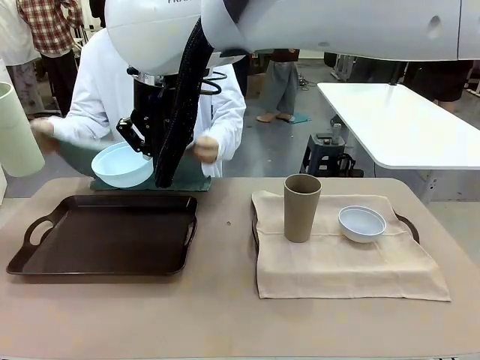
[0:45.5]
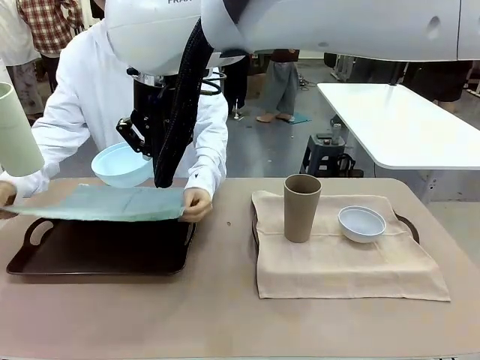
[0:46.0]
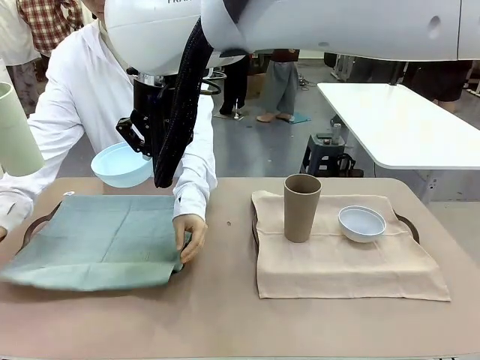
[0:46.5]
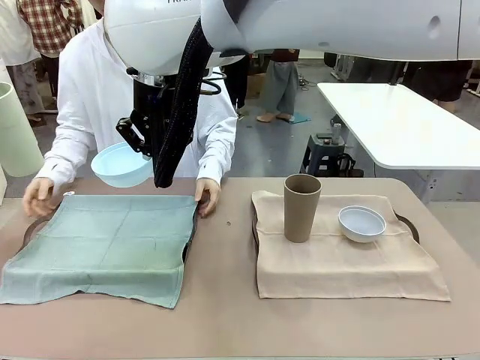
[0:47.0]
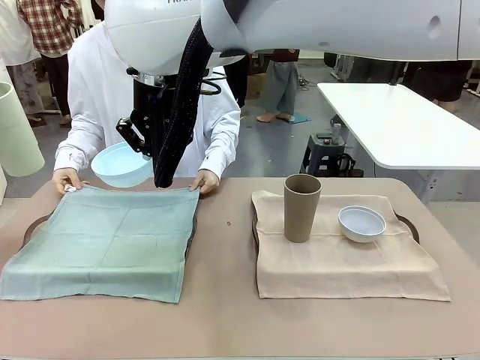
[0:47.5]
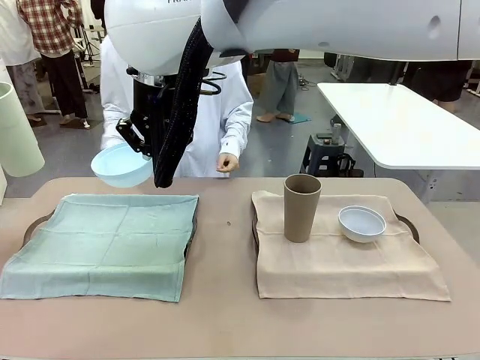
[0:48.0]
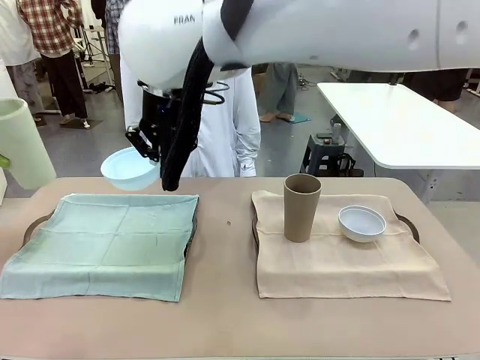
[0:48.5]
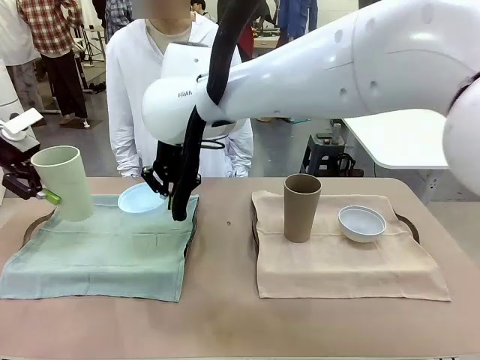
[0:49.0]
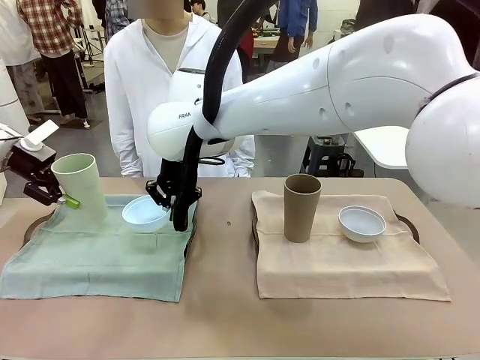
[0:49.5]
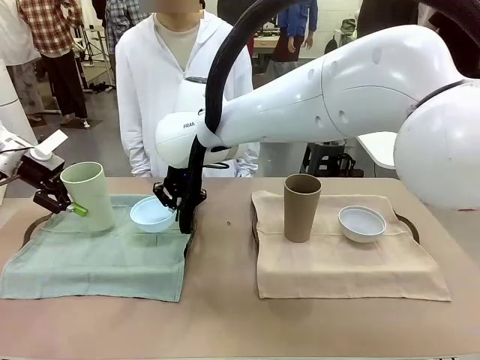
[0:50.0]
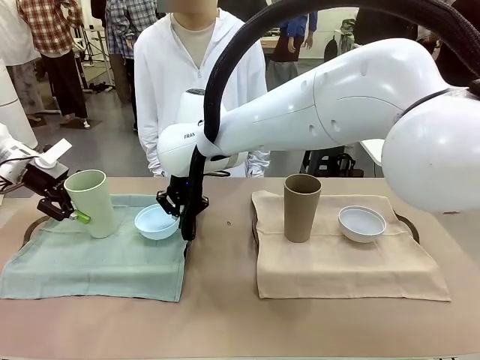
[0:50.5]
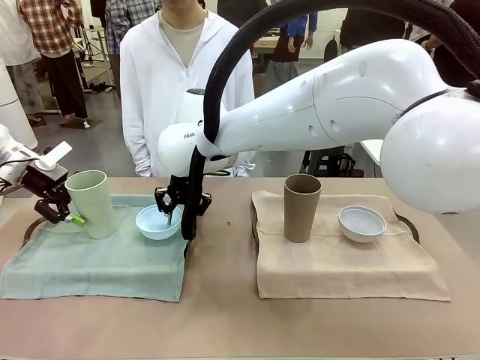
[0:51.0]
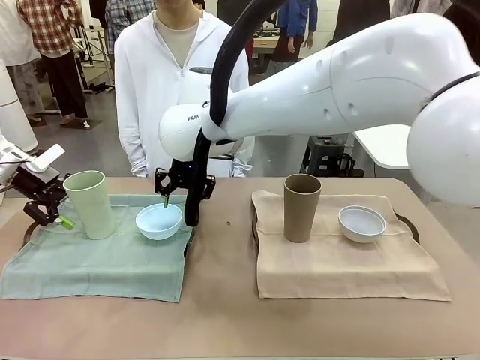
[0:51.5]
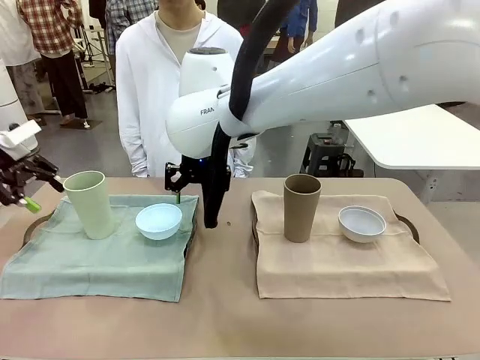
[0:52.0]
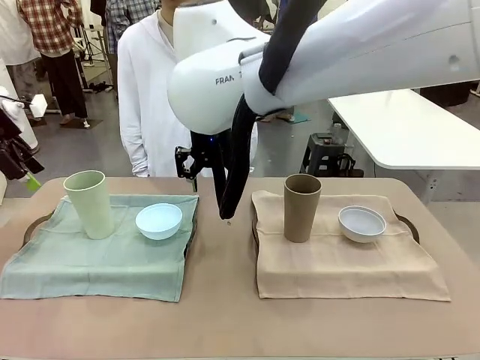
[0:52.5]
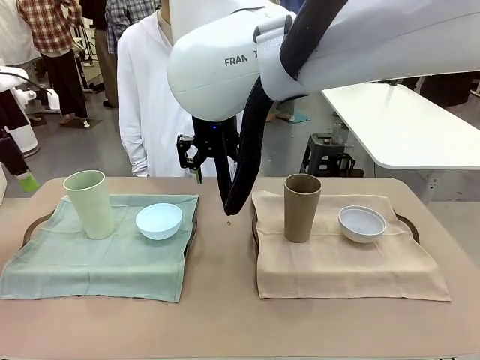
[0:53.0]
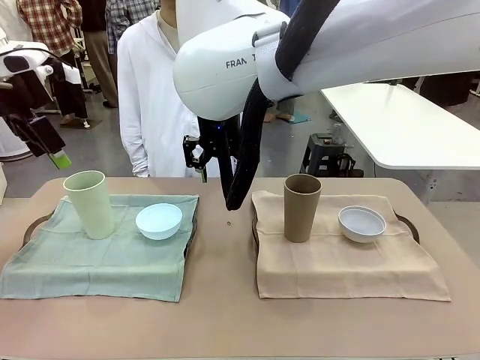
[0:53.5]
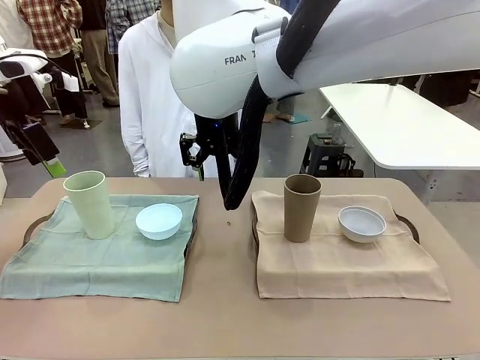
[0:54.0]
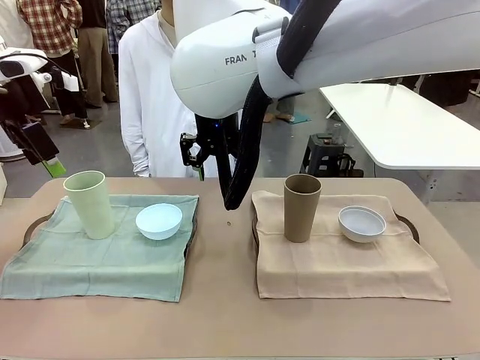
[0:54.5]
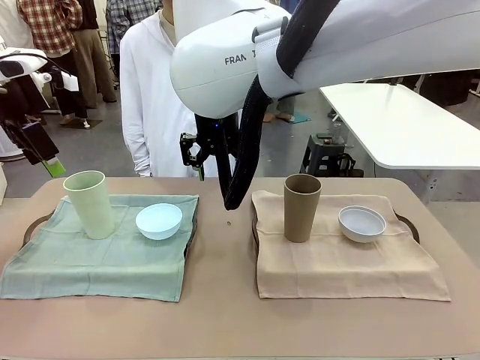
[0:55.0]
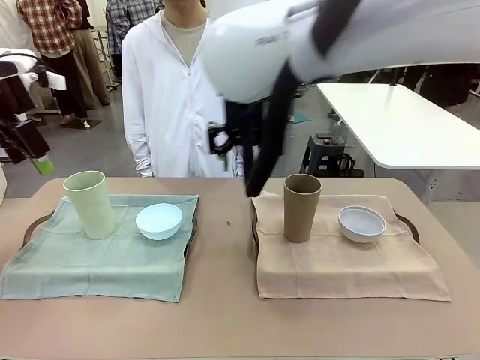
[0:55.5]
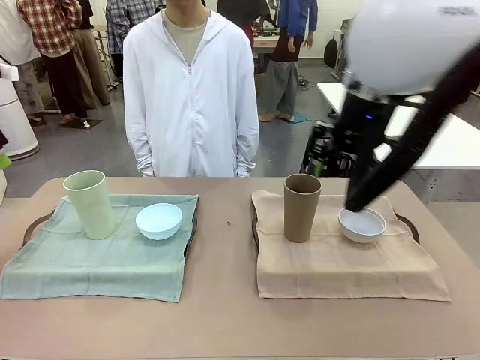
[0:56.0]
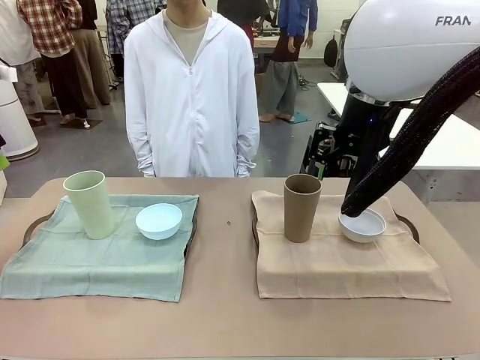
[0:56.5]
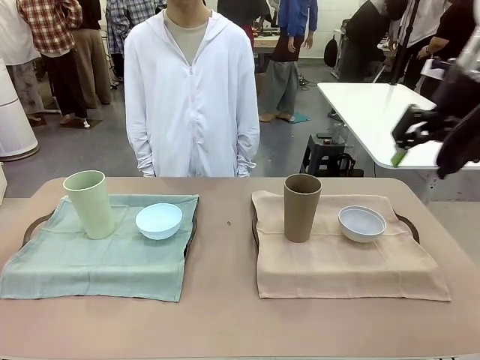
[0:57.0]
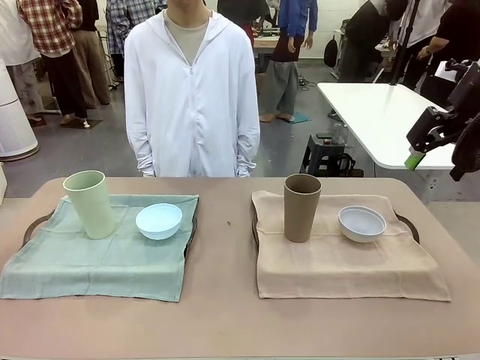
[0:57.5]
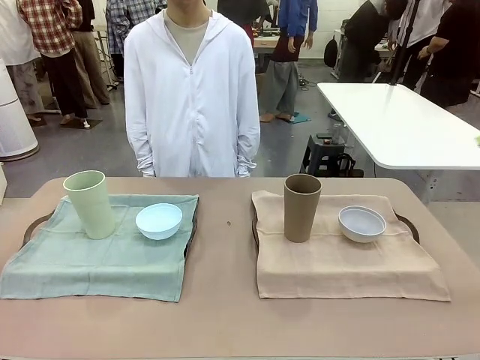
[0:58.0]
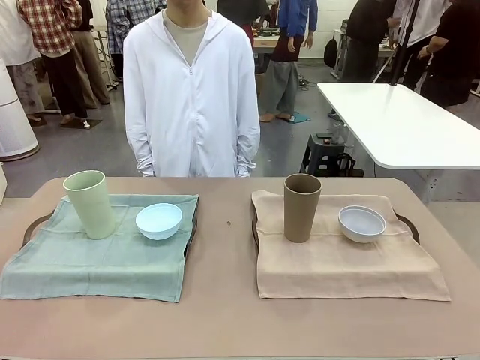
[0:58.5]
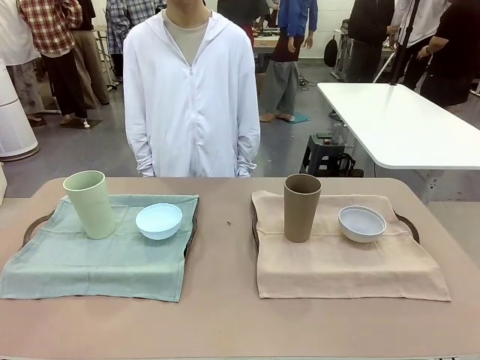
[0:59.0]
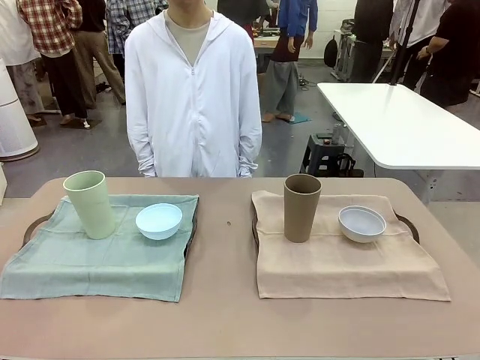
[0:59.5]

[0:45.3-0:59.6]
Robot: Place the Picnic Bowl and Reusable plastic cup back onto the Handle tray in front of the human's position.
